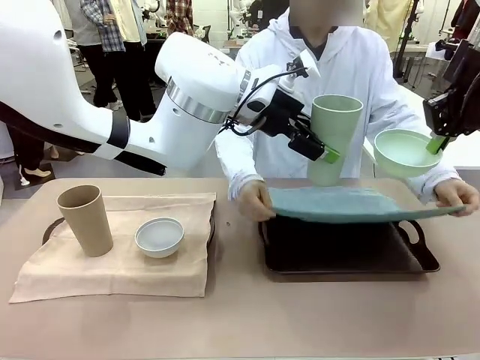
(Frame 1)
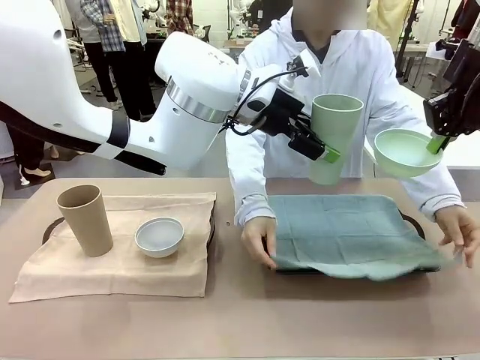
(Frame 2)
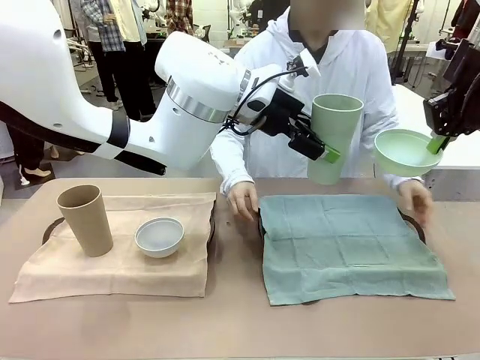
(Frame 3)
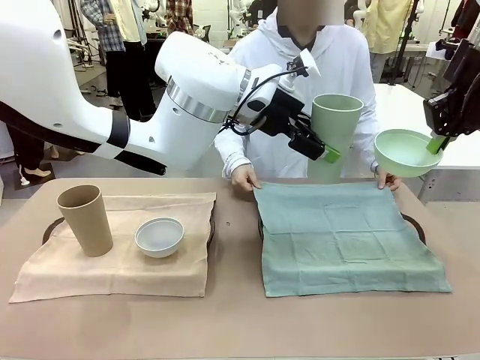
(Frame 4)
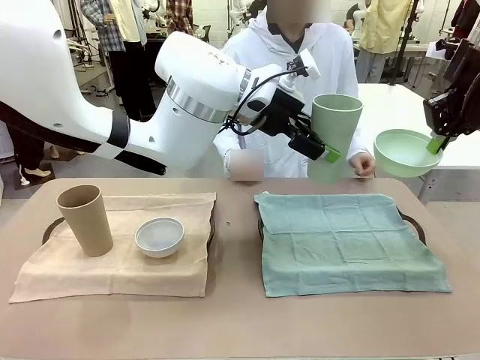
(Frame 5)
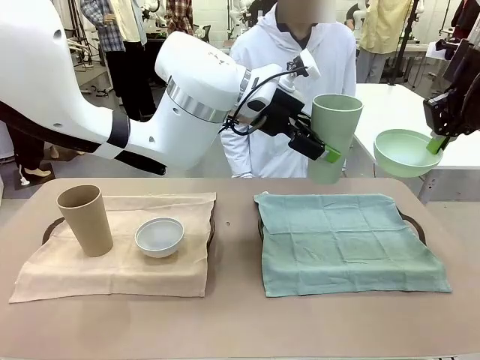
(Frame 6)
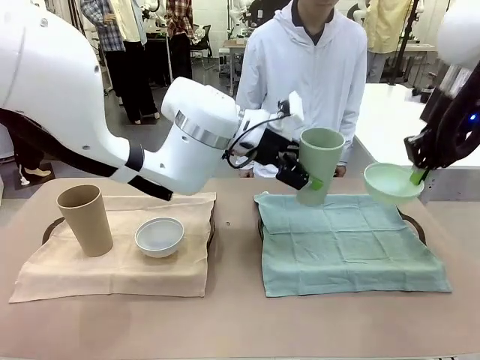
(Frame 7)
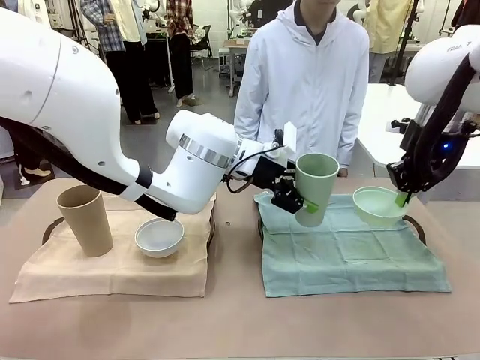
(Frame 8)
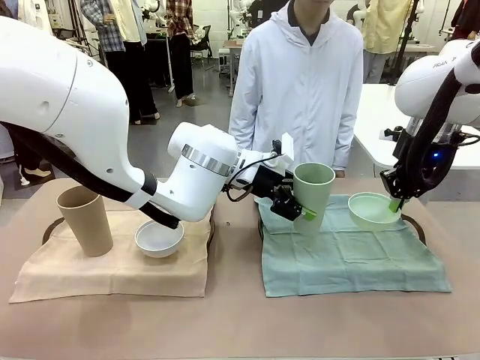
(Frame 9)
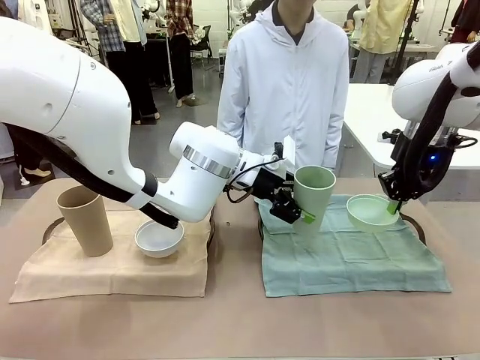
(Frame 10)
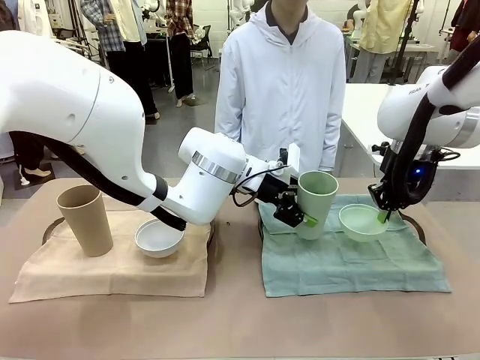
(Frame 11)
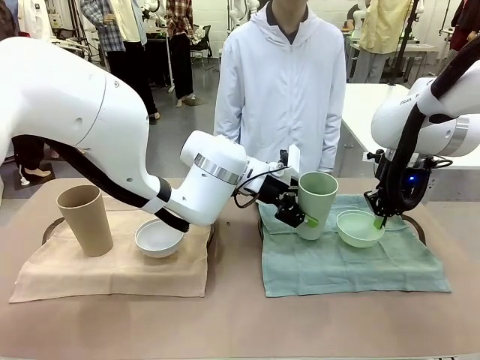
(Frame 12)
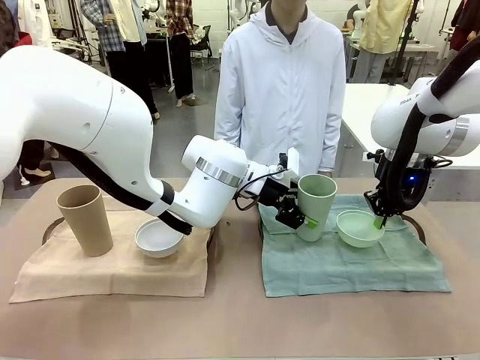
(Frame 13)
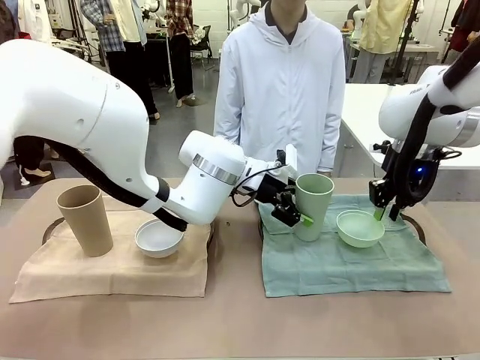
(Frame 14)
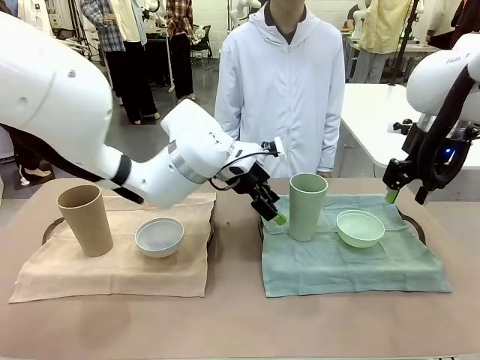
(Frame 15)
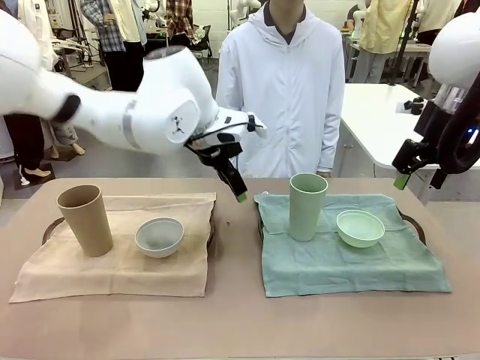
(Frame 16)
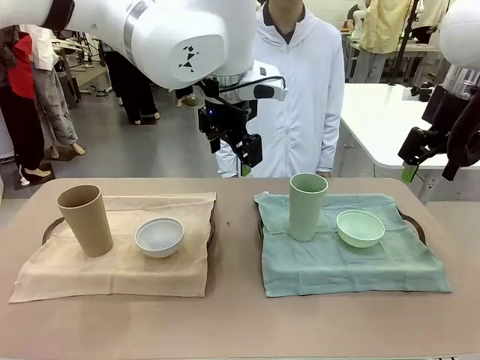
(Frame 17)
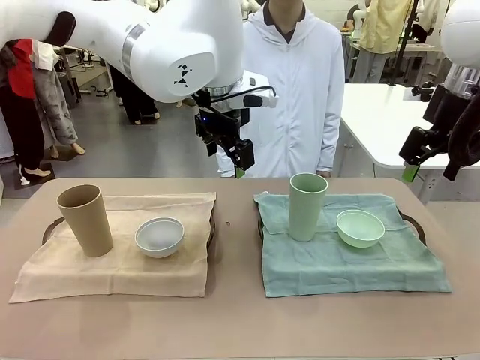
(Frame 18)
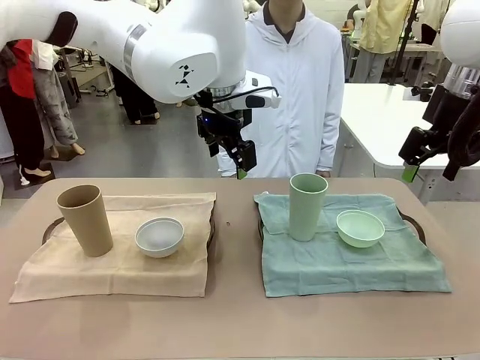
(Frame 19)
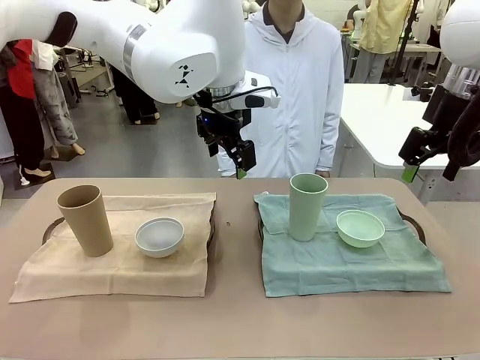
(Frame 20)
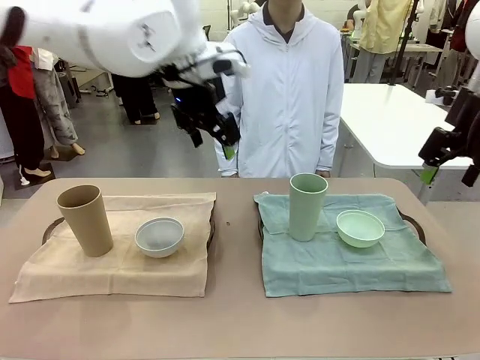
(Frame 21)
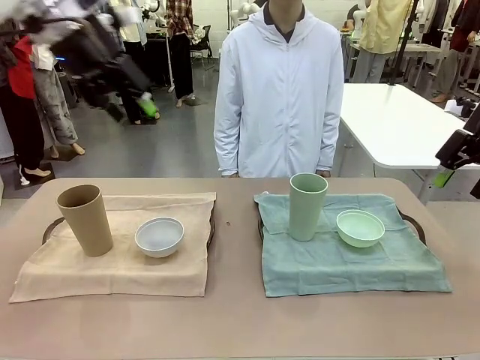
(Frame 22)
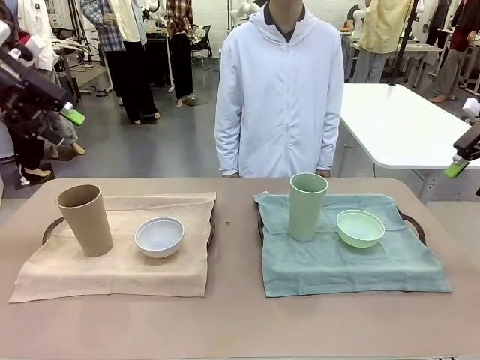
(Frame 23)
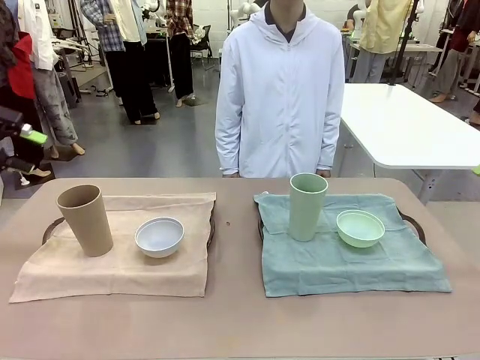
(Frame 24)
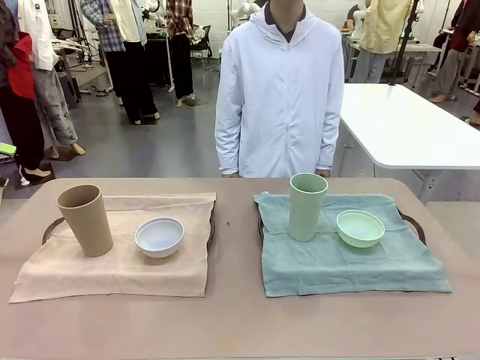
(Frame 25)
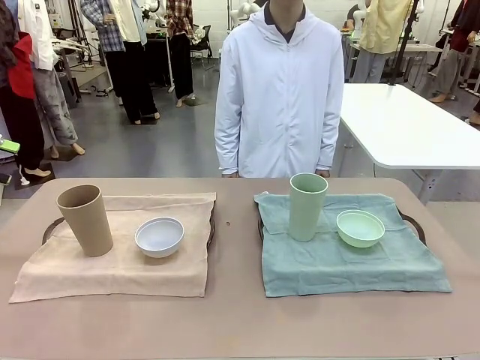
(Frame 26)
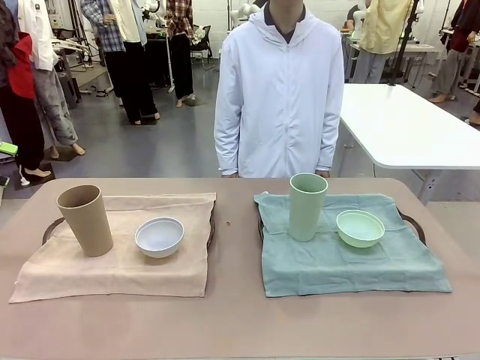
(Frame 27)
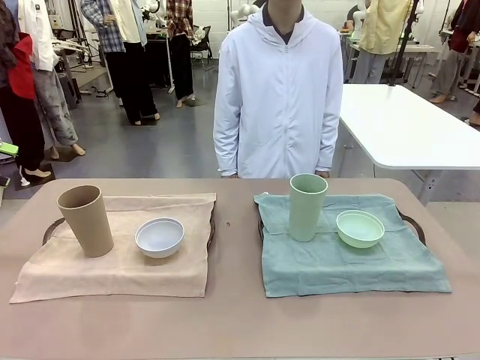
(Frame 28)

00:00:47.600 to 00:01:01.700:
Robot: Place the Picnic Bowl and Reusable plastic cup back onto the Handle tray in front of the human's position.
Person: When the robot lifts the bowl and the cup, the human unfolds the napkin and lays the napkin flat on the tray.

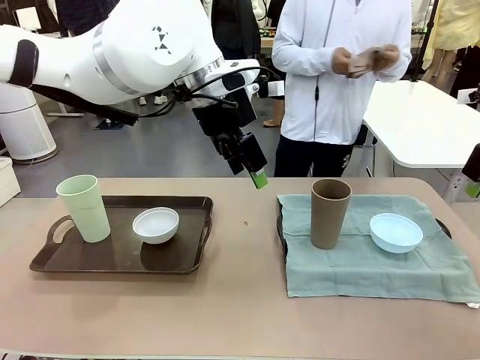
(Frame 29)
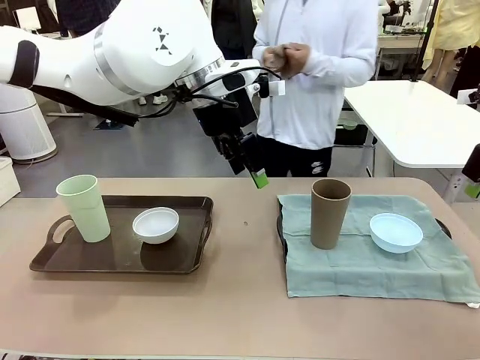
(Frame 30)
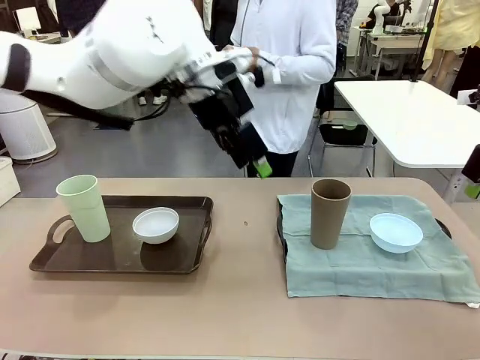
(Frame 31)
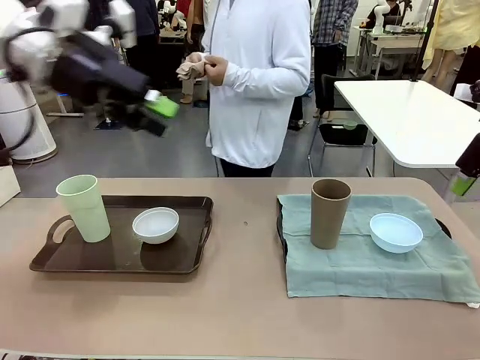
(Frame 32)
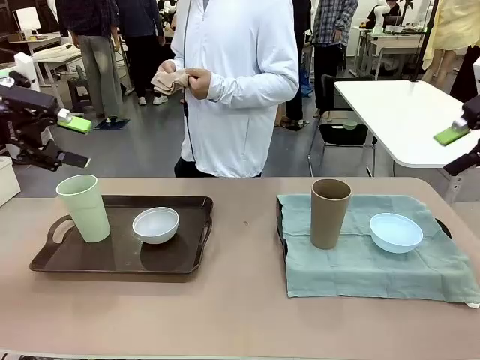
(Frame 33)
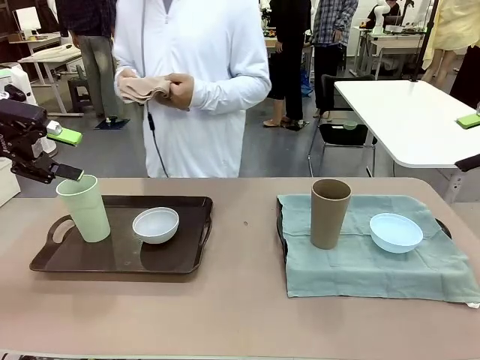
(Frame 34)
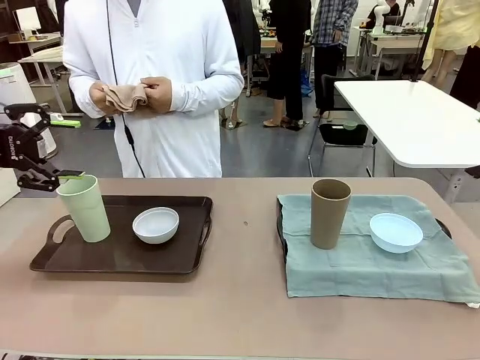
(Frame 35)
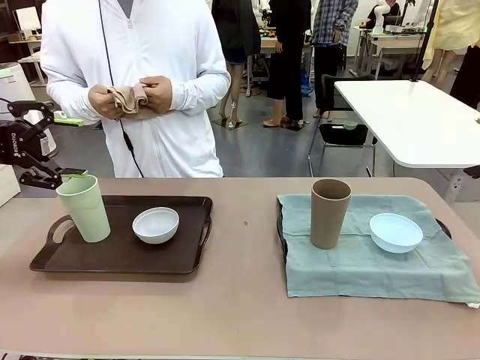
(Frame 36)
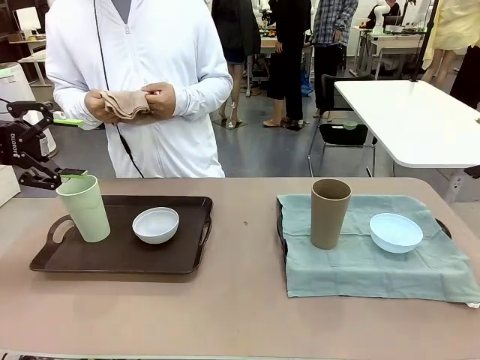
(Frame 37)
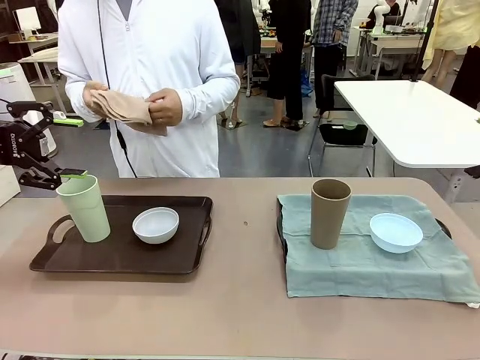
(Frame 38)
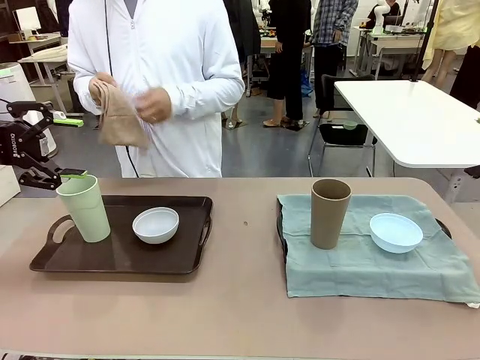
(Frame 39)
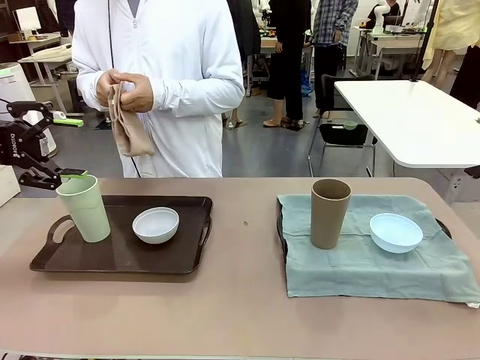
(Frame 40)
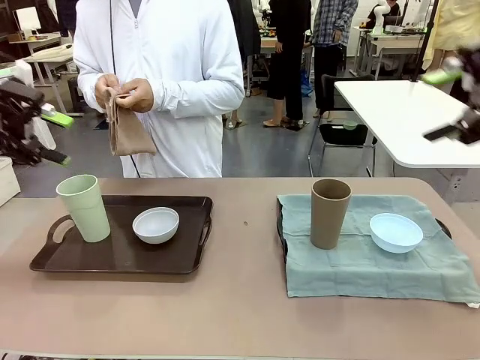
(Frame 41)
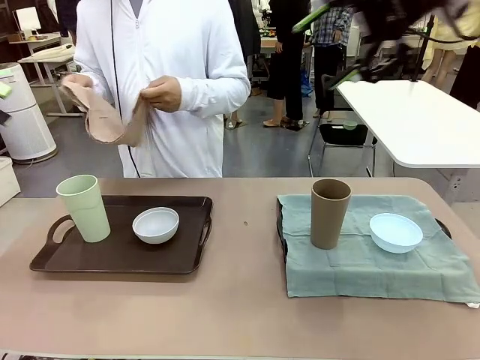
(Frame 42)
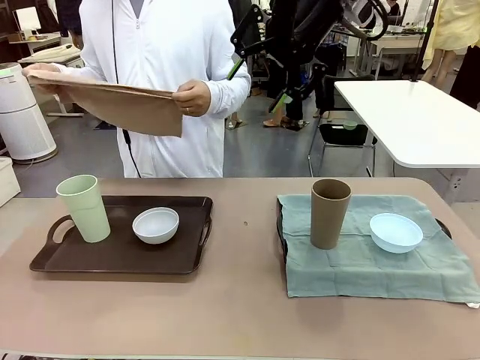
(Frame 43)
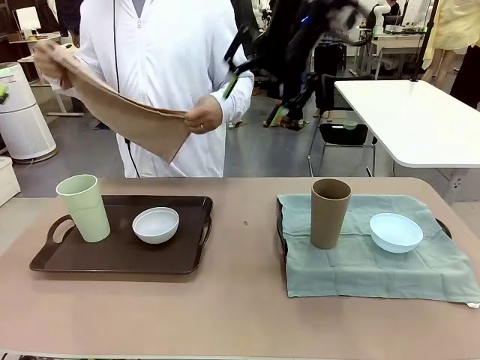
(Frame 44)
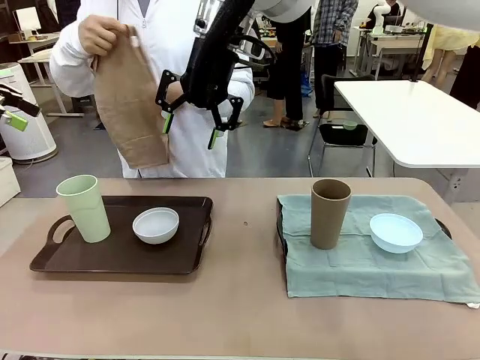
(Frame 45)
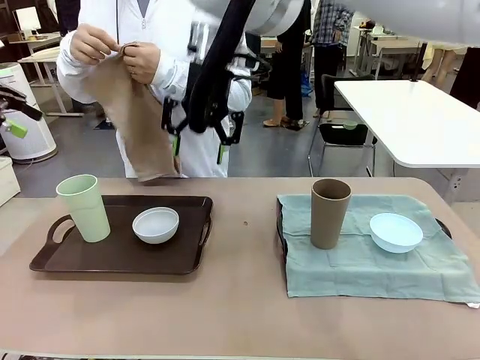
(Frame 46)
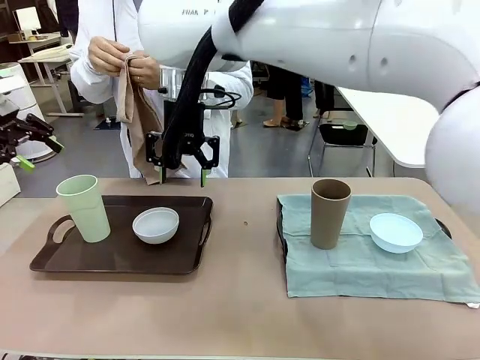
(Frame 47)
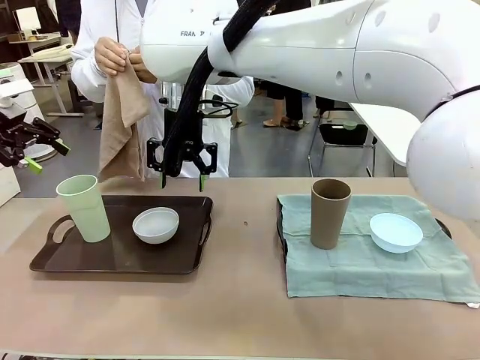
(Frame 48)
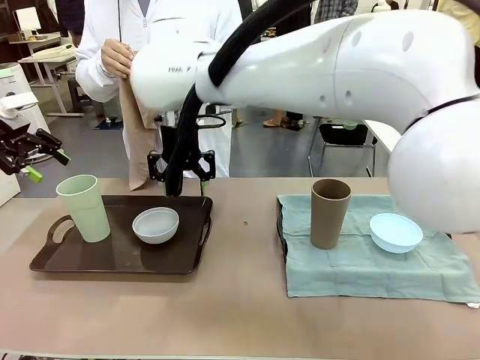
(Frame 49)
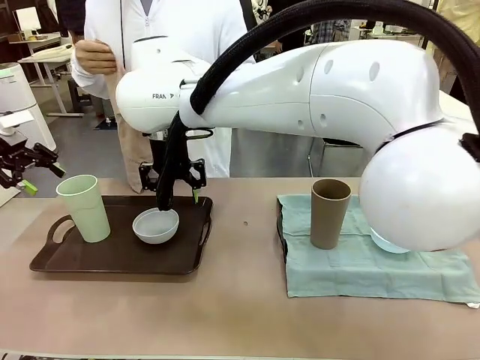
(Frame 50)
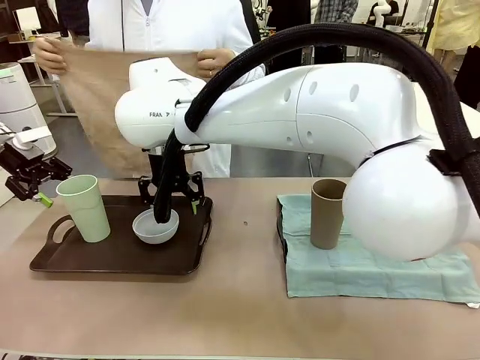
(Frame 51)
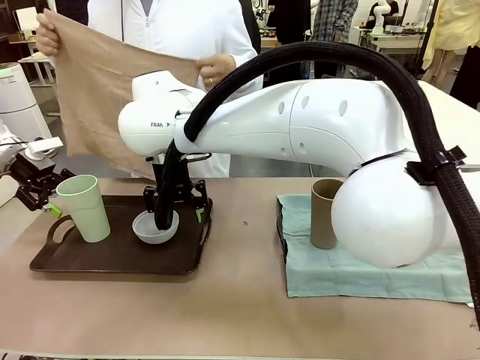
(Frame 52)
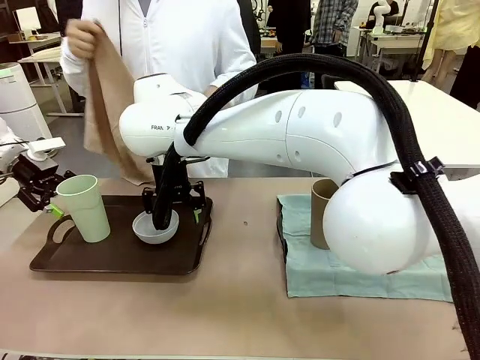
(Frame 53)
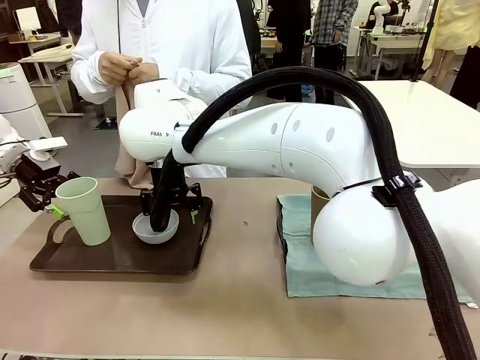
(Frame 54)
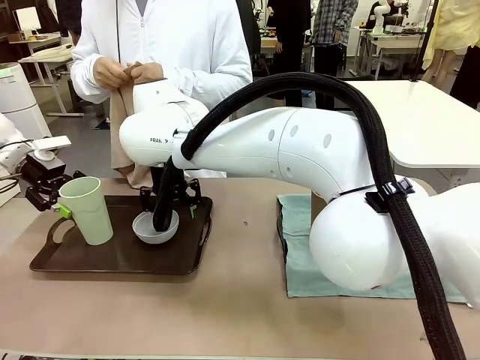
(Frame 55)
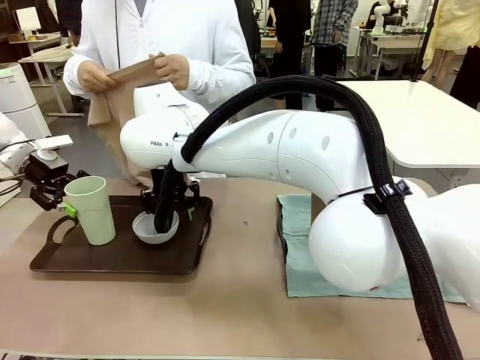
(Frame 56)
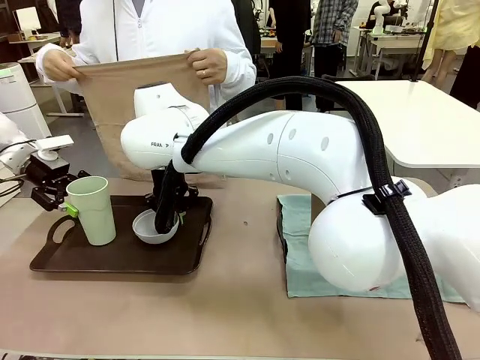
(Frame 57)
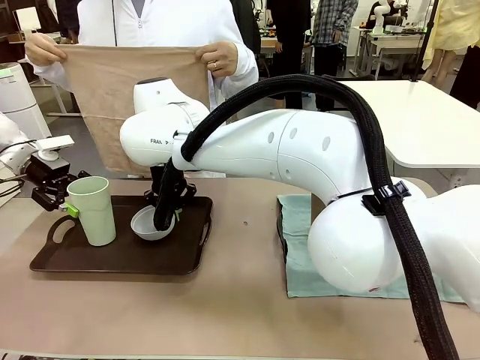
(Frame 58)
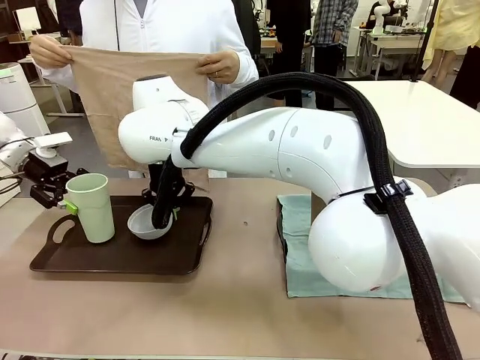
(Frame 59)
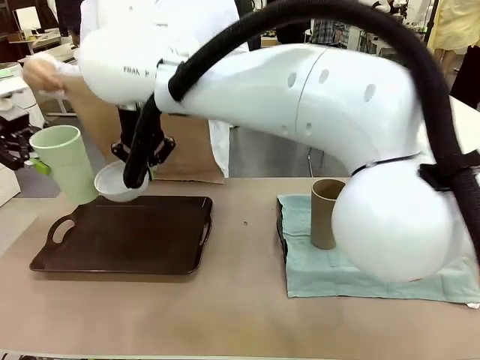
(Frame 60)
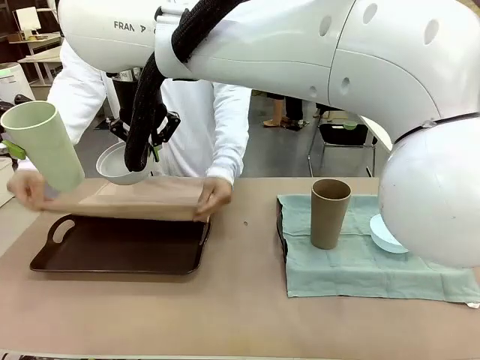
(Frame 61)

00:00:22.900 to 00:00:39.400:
Robot: Pick up the Picnic Bowl and Reusable plastic cup from the Handle tray in front of the human's position and hold them in the air.
Person: When the robot lifts the bowl and the cup, the human unfolds the napkin and lays the napkin flat on the tray.
